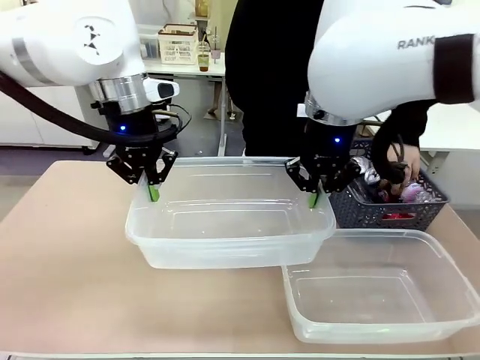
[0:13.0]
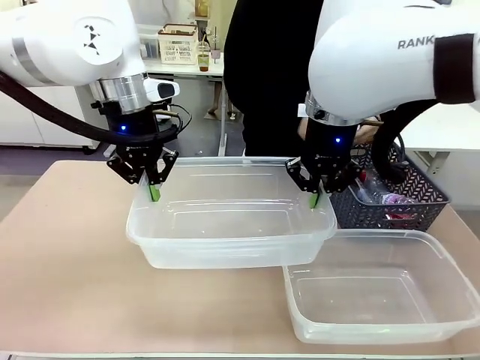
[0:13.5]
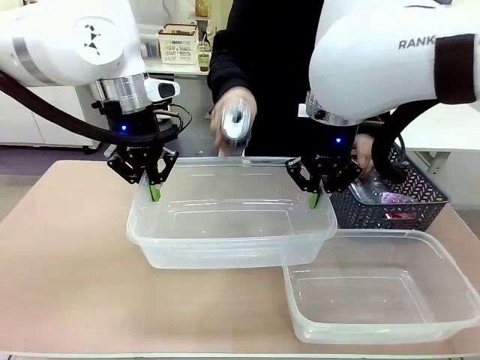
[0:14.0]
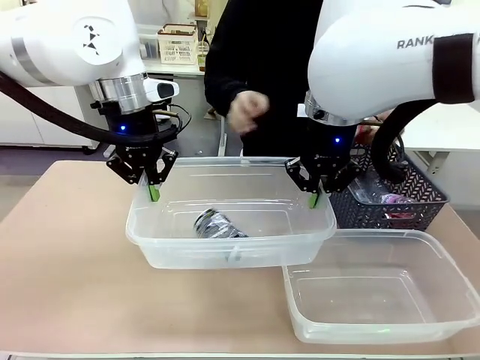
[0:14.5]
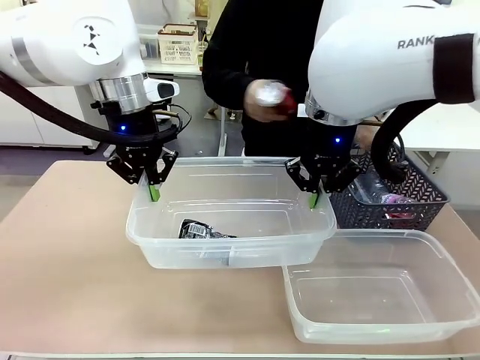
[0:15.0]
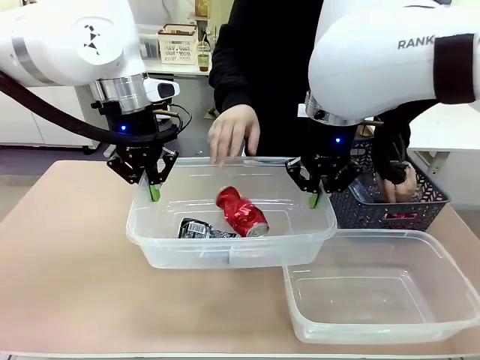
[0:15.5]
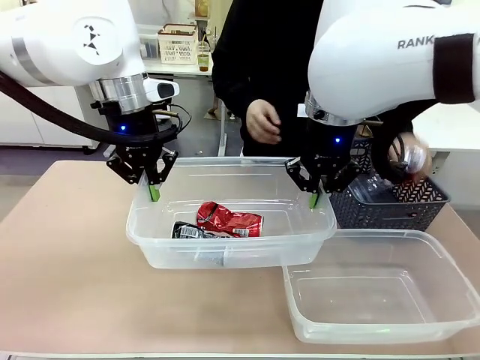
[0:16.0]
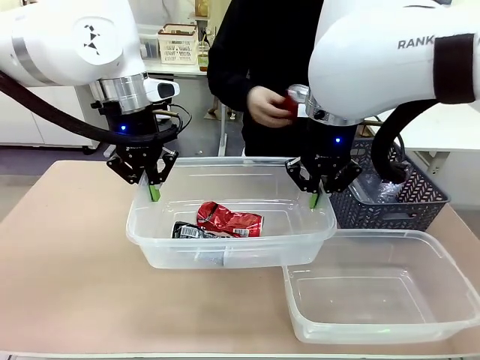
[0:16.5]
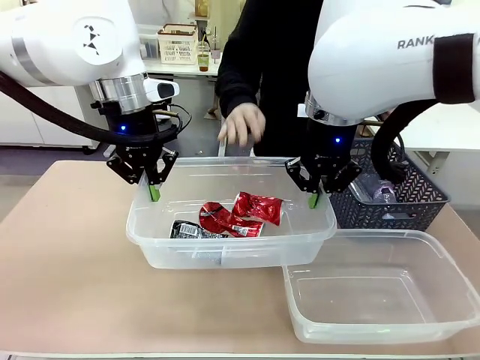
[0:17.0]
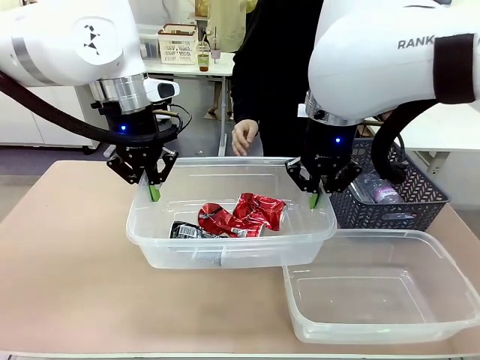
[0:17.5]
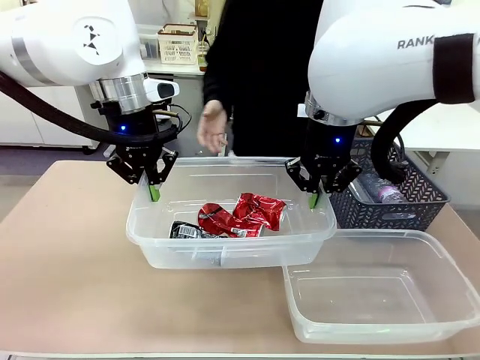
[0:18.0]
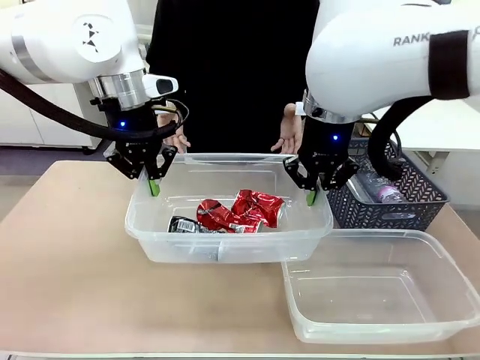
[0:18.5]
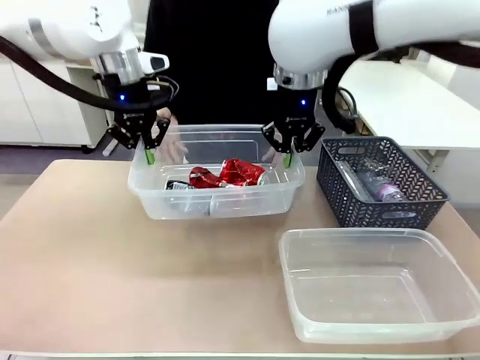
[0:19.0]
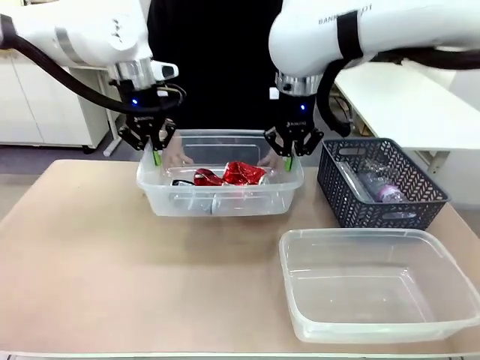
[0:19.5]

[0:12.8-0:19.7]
Robot: Offer the picked Organizing box to the human.

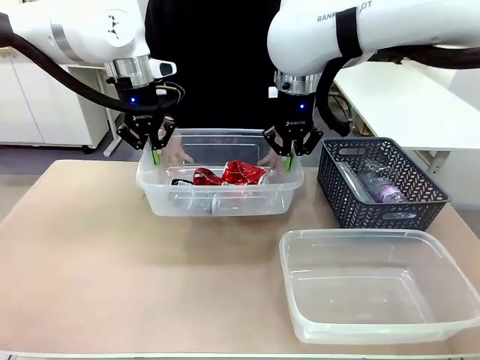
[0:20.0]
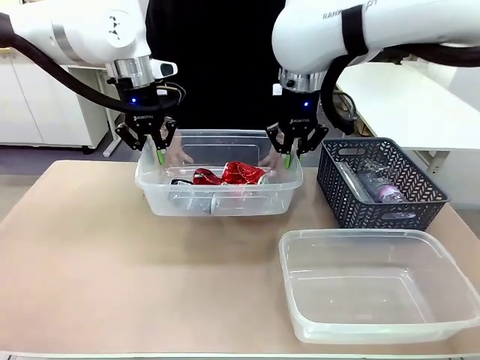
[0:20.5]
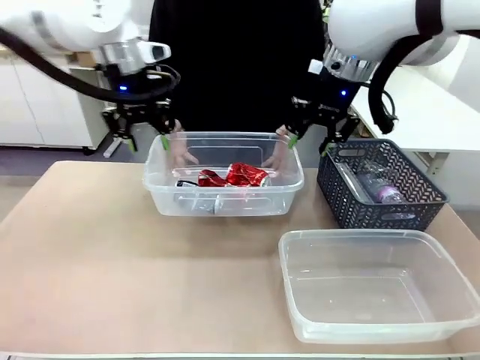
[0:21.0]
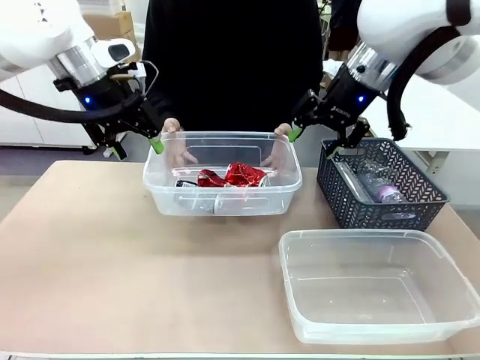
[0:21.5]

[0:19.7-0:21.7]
Robot: Release the Organizing box you were holding.

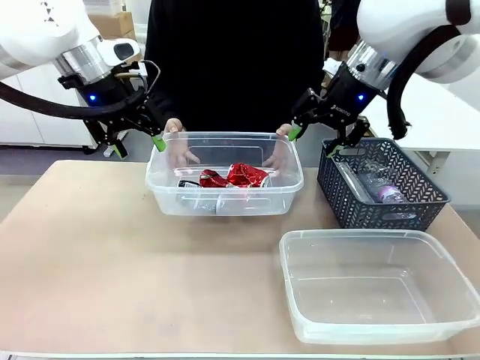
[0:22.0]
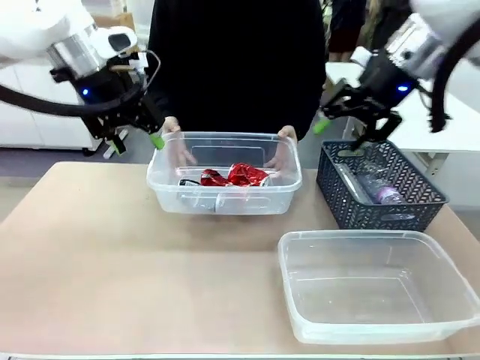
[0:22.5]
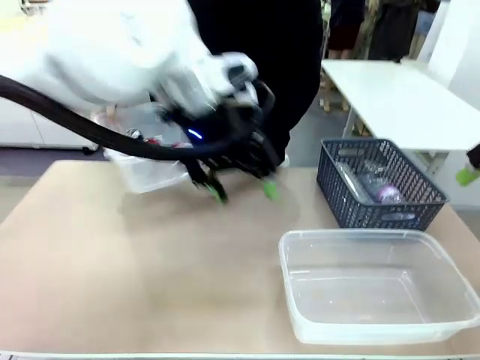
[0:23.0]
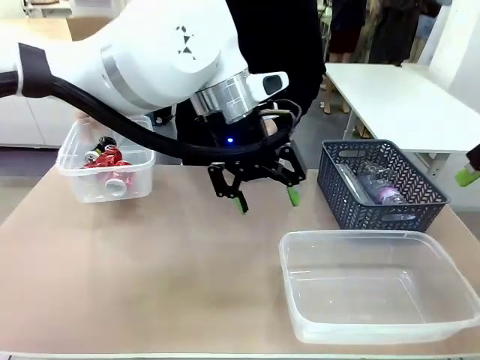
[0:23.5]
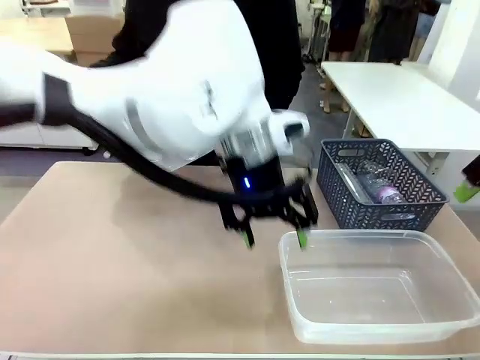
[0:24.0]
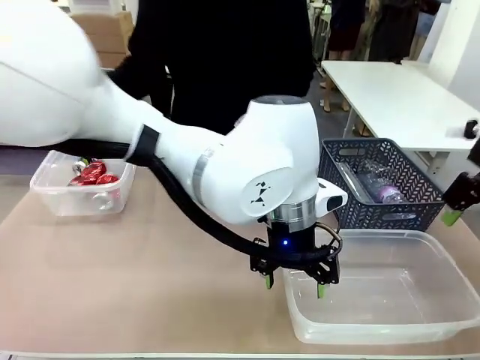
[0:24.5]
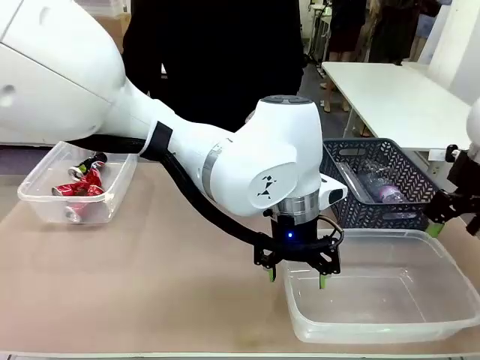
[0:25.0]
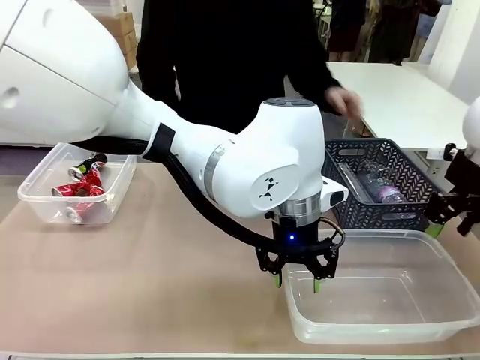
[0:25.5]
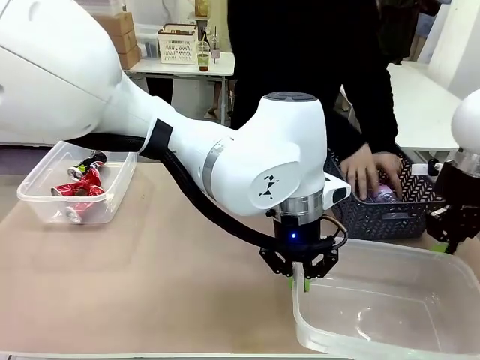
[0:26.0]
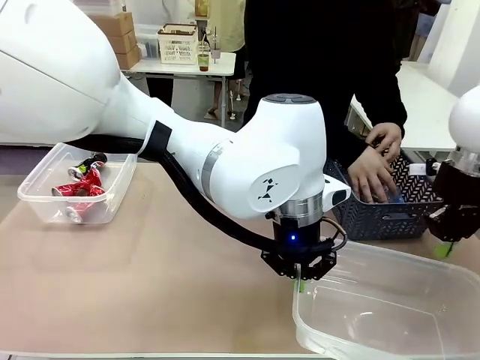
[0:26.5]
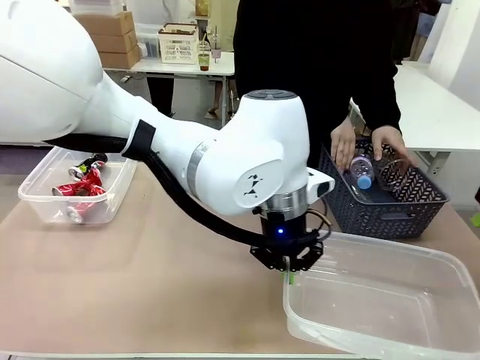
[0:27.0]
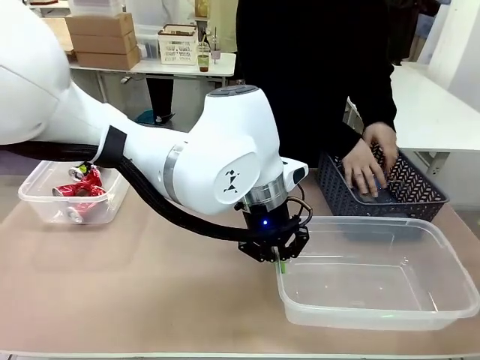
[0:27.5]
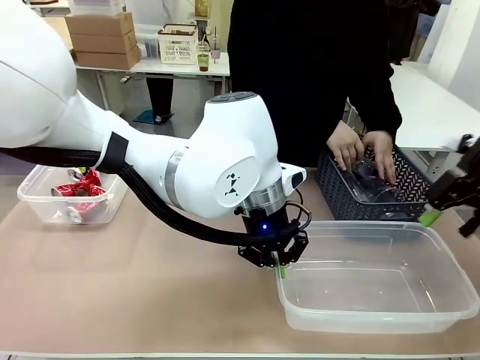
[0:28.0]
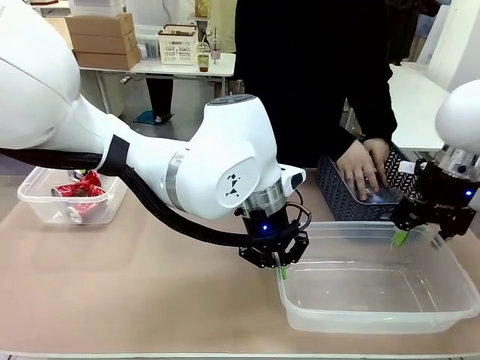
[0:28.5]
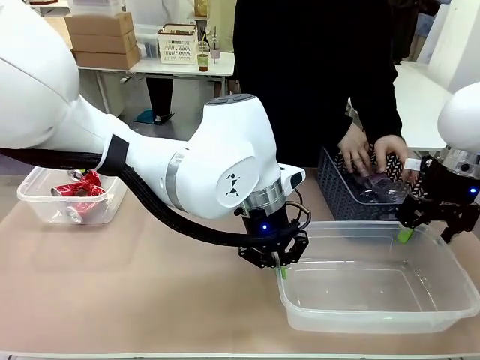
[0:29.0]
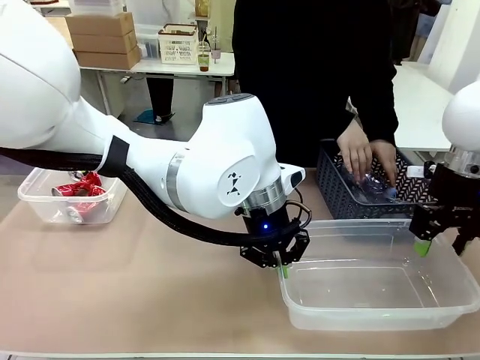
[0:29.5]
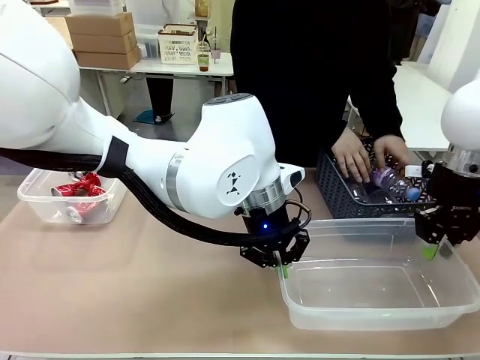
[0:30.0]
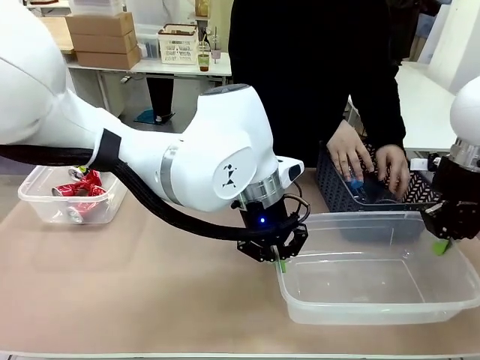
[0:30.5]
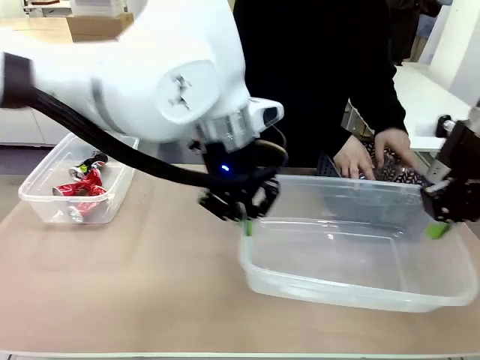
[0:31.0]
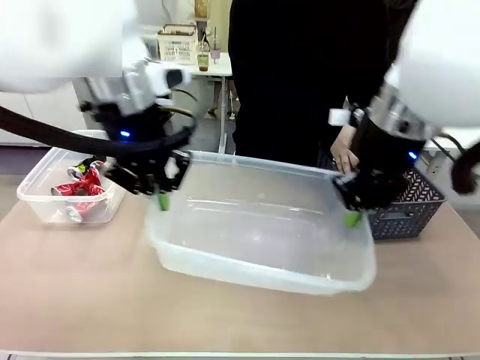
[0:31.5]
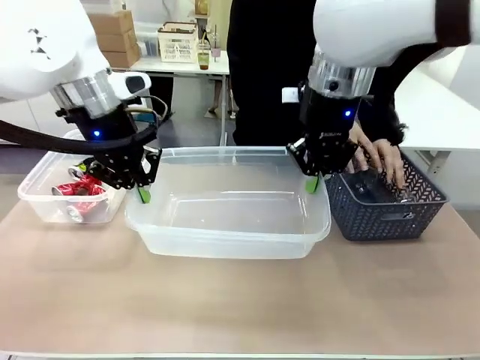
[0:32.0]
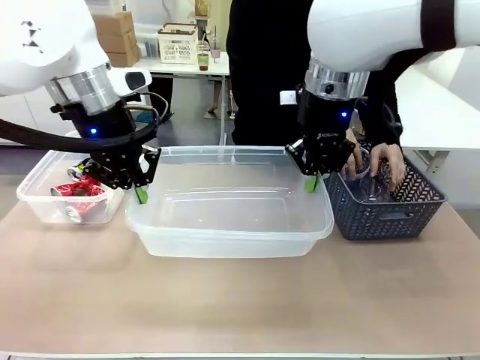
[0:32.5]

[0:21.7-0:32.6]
Robot: Pick up the Organizing box on the right side of the table and lift it.
Person: Place it at the edge of the bottom right area of the robot table. Pick up plastic waste one by one and place it into the organizing box lifted by the robot.

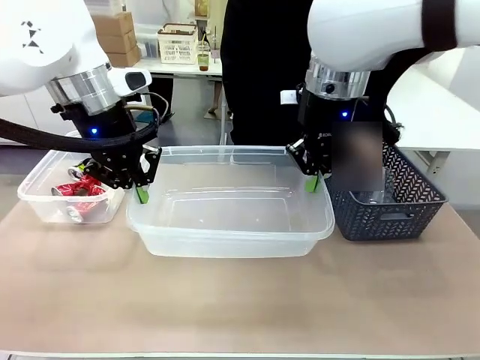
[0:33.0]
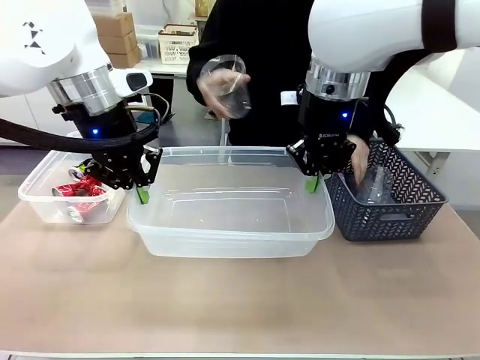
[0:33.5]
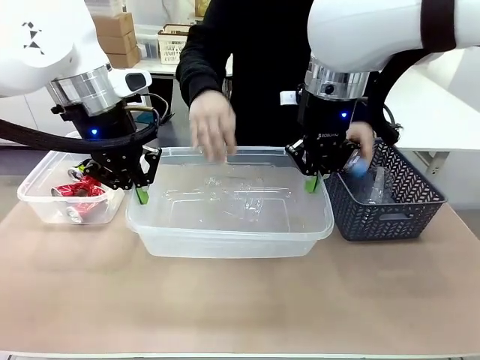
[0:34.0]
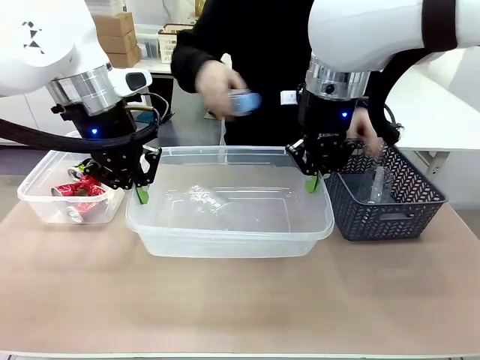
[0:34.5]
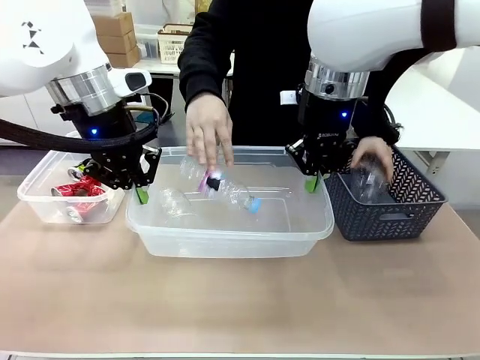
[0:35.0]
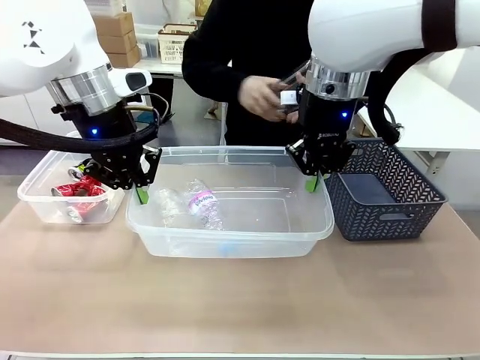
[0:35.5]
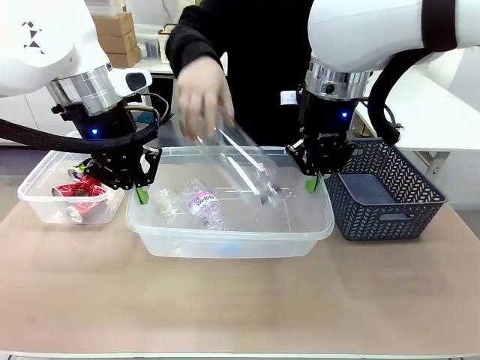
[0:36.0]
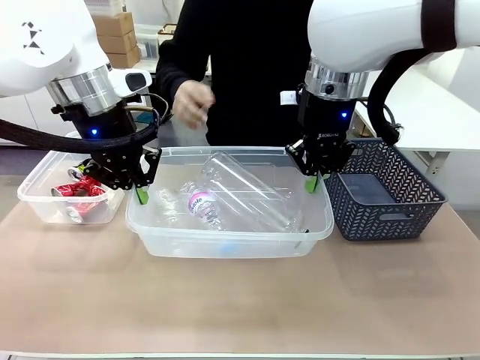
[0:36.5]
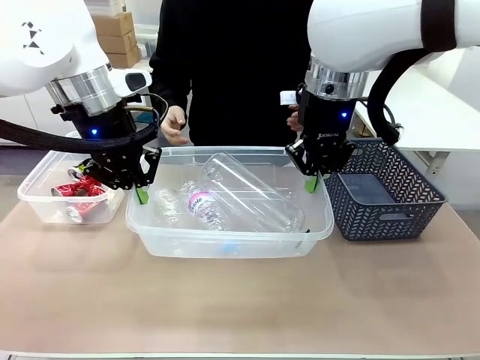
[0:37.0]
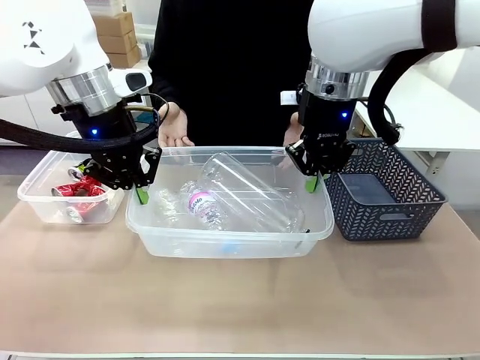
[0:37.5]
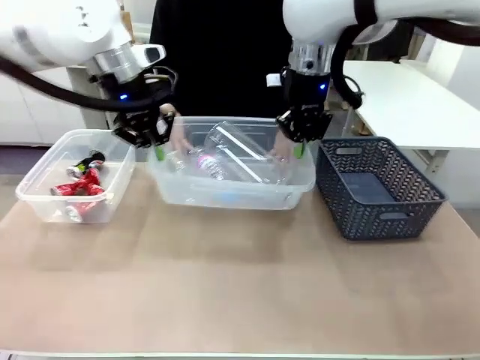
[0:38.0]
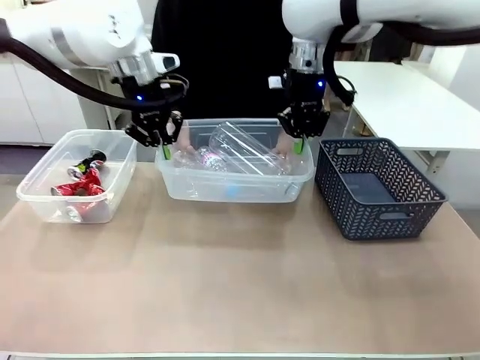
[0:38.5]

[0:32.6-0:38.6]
Robot: Offer the picked Organizing box to the human.

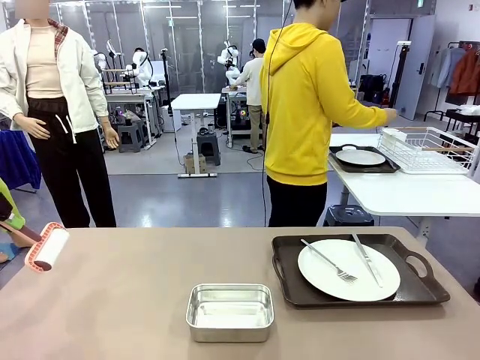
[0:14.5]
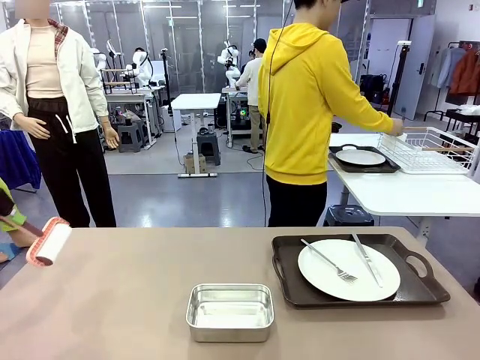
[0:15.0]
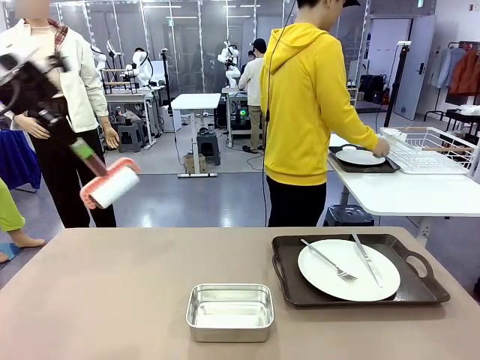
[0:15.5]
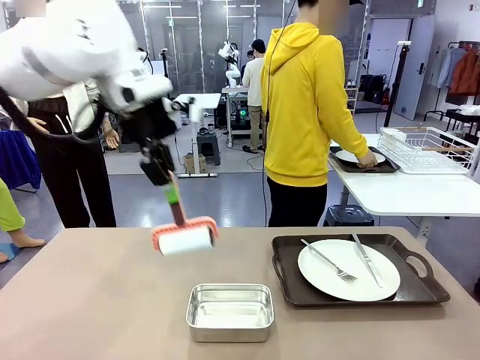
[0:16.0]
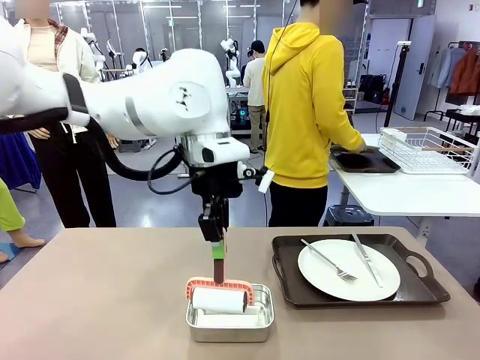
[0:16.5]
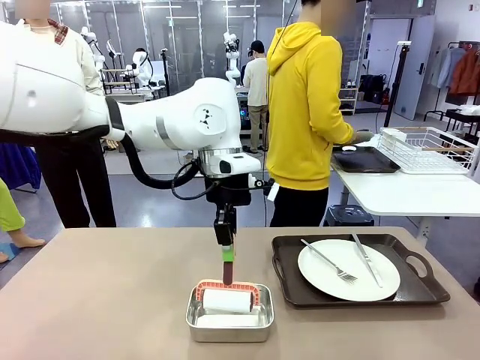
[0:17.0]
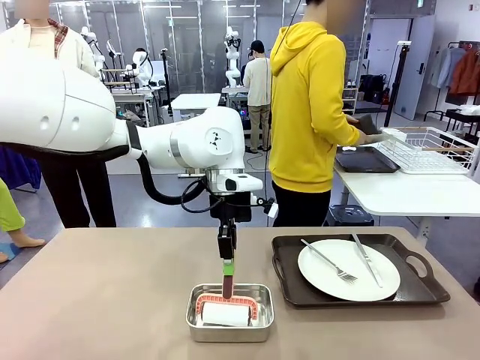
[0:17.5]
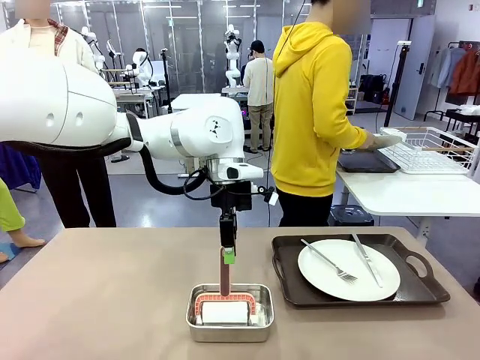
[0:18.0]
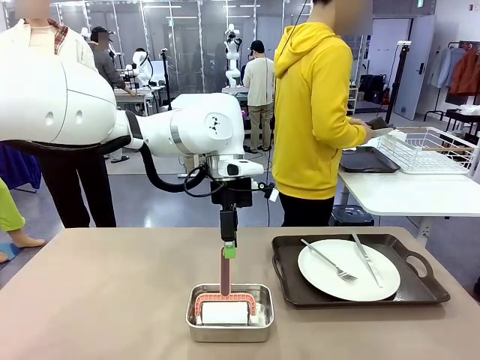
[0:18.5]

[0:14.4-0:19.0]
Robot: Place the Lint Roller back on top of the Airtight Container.
